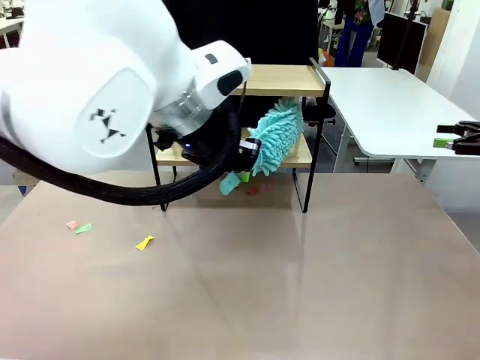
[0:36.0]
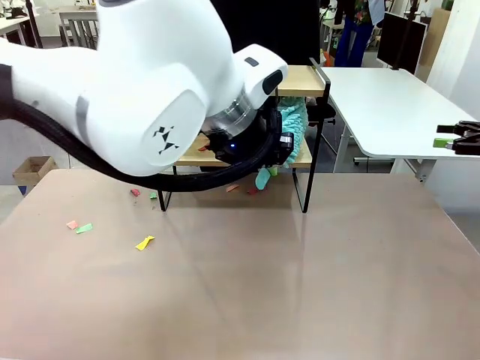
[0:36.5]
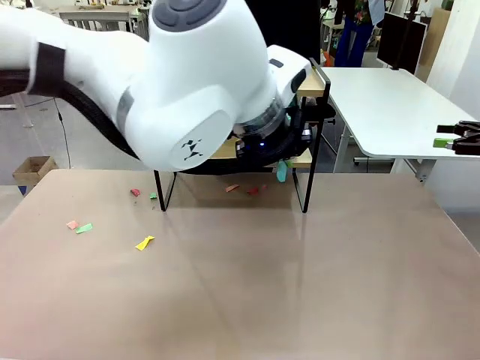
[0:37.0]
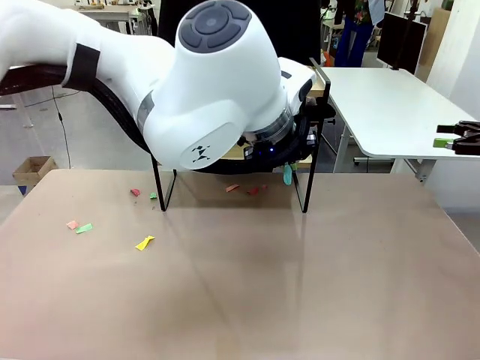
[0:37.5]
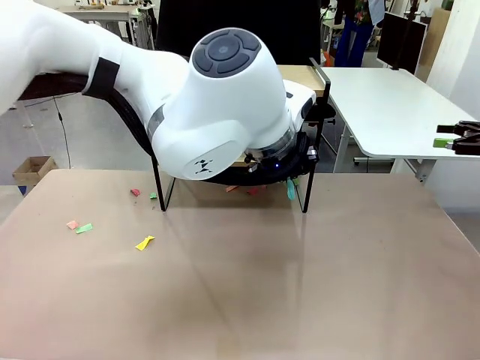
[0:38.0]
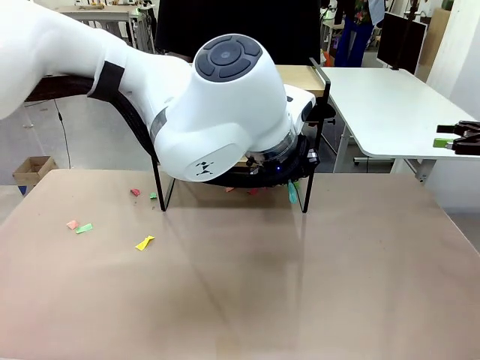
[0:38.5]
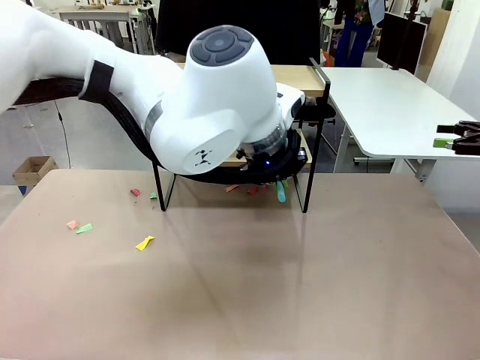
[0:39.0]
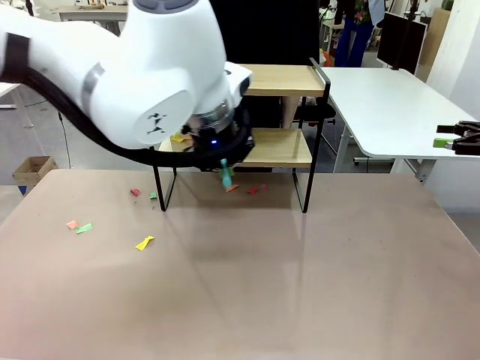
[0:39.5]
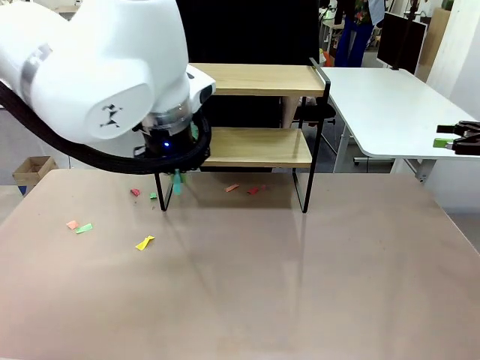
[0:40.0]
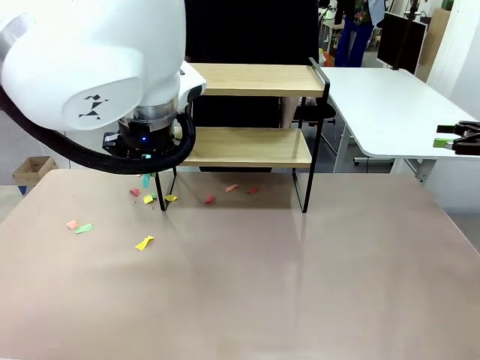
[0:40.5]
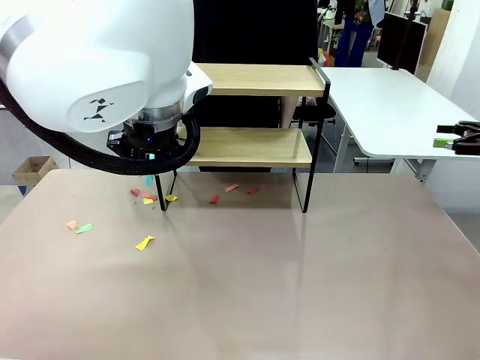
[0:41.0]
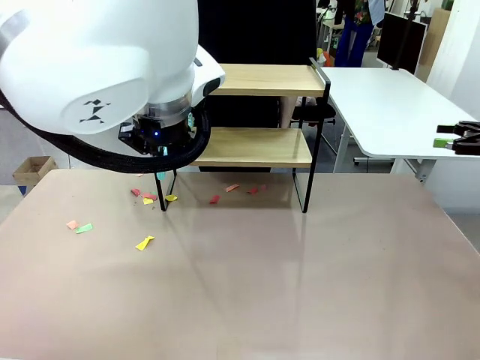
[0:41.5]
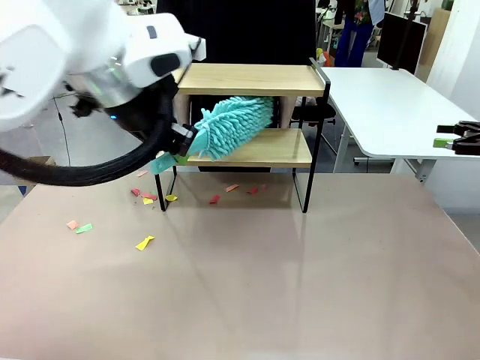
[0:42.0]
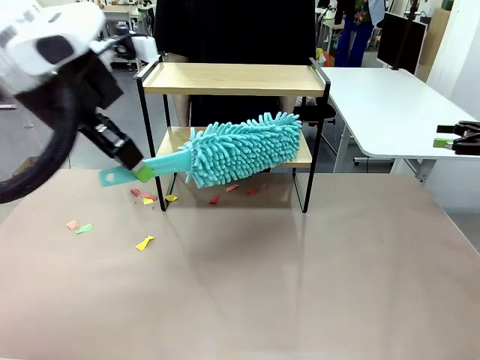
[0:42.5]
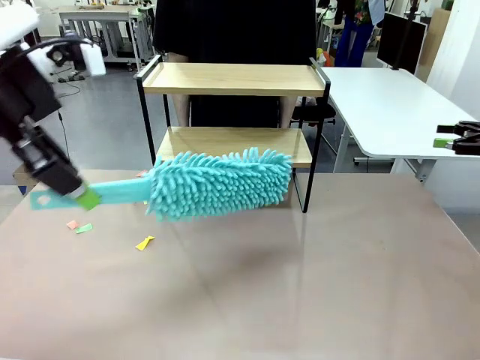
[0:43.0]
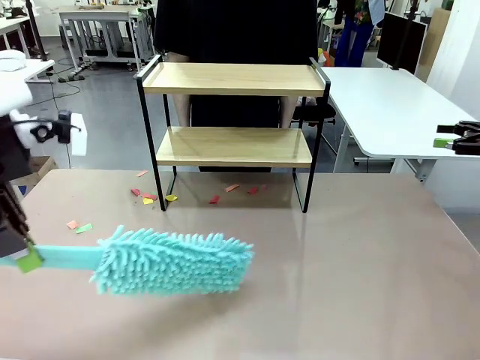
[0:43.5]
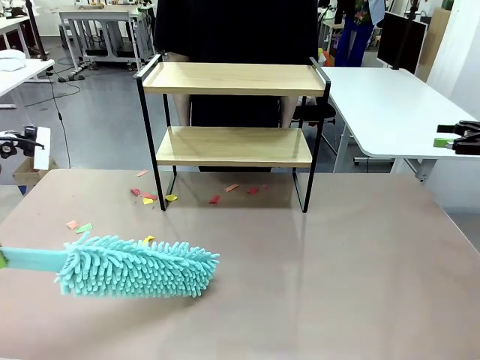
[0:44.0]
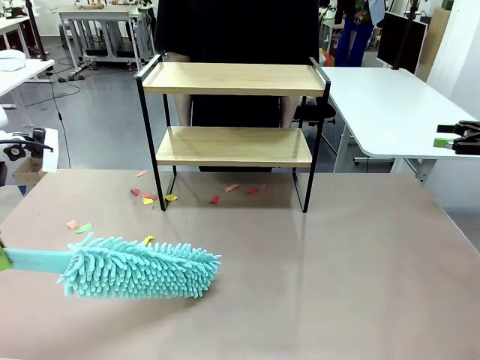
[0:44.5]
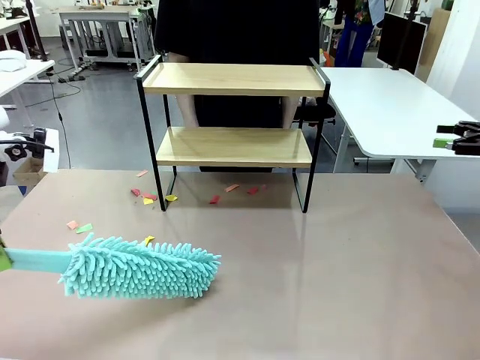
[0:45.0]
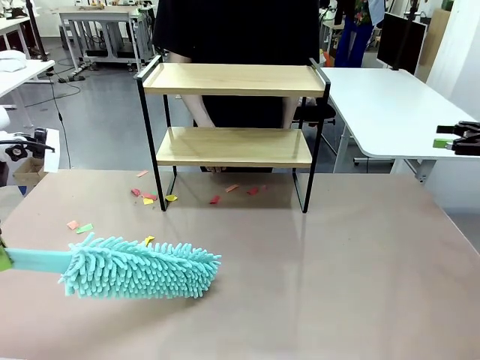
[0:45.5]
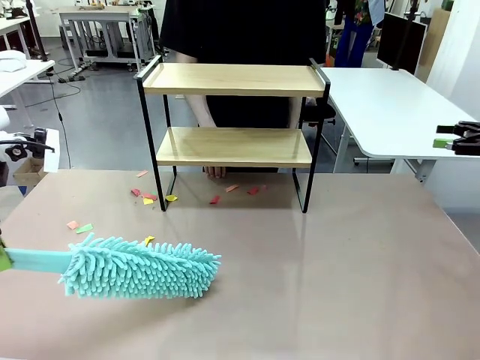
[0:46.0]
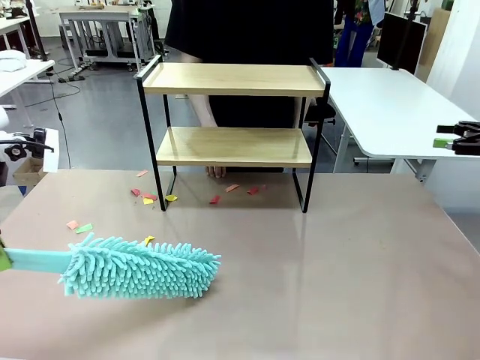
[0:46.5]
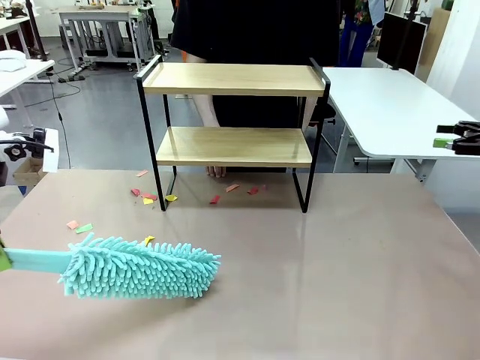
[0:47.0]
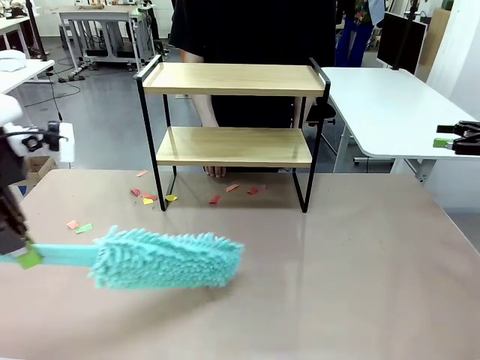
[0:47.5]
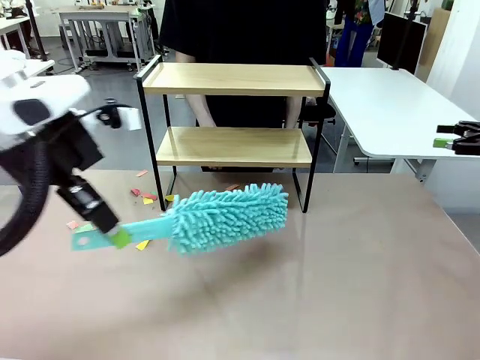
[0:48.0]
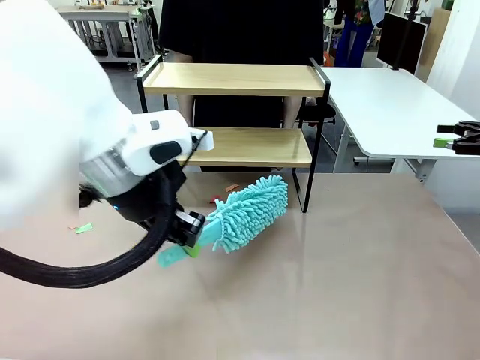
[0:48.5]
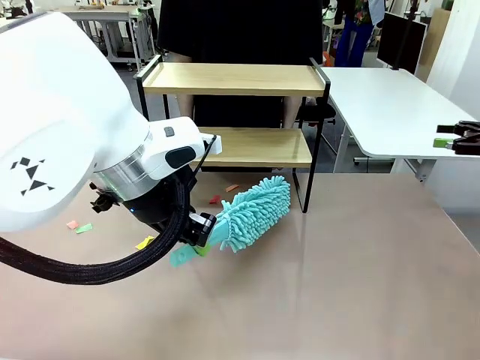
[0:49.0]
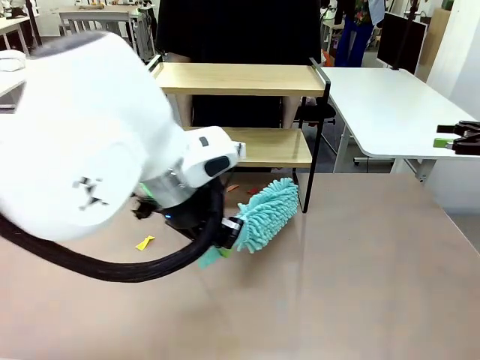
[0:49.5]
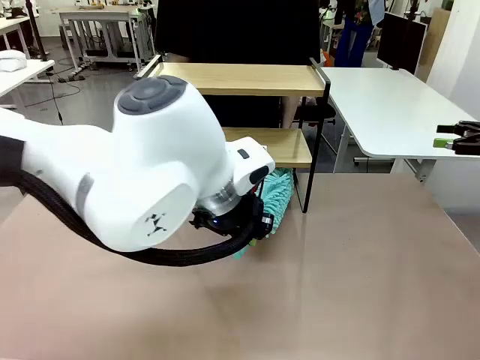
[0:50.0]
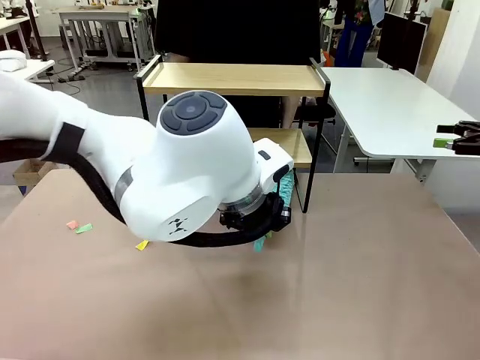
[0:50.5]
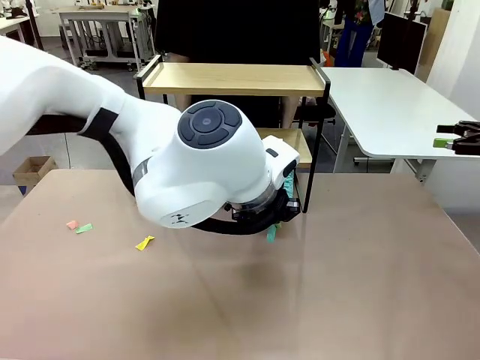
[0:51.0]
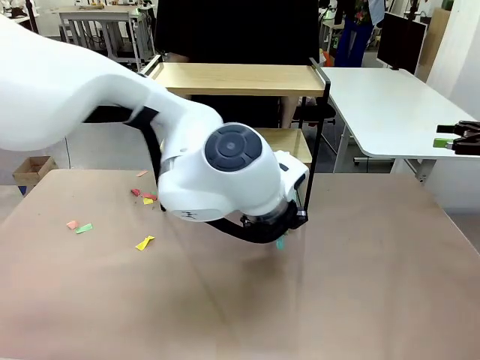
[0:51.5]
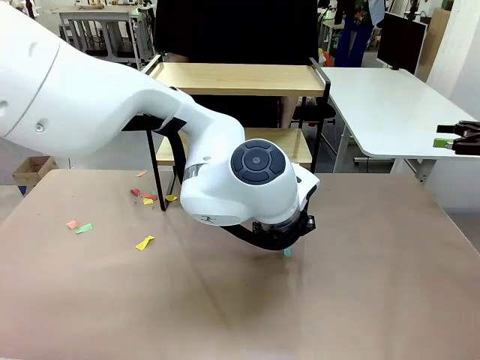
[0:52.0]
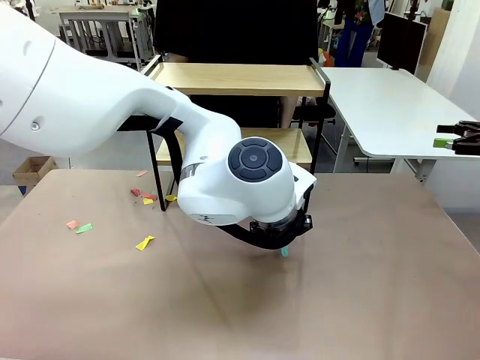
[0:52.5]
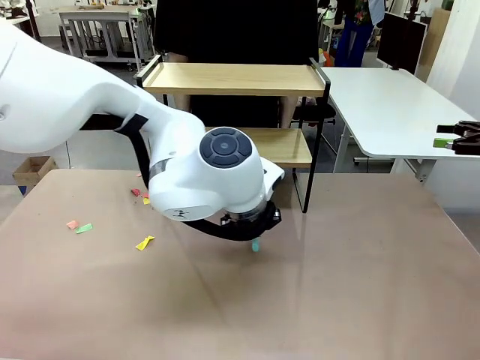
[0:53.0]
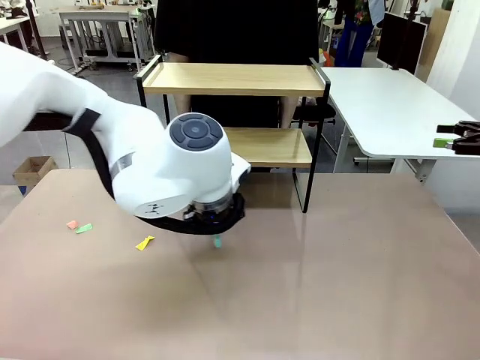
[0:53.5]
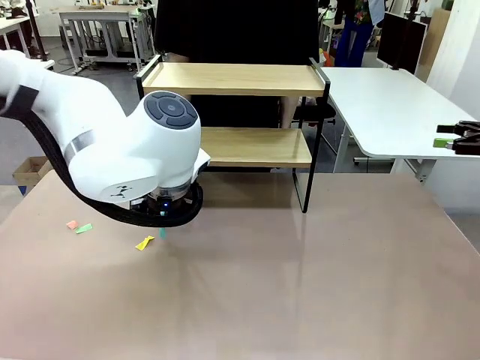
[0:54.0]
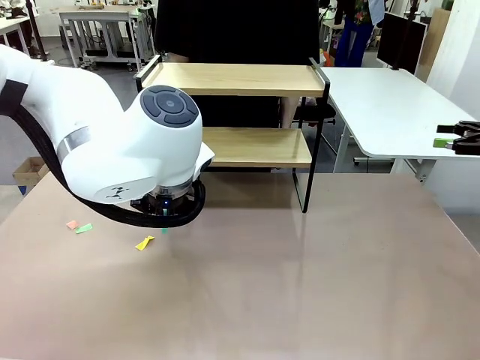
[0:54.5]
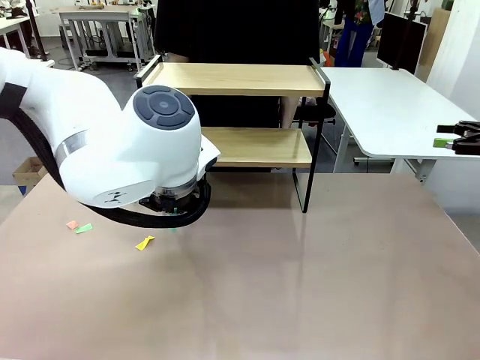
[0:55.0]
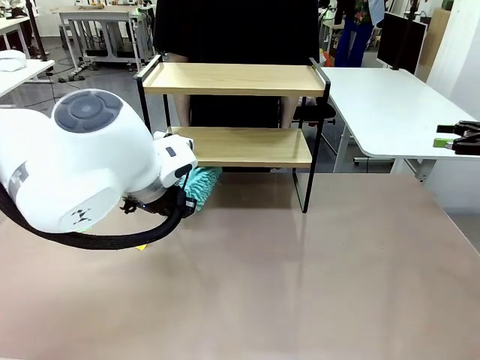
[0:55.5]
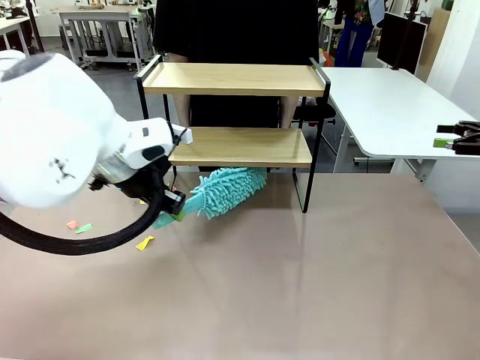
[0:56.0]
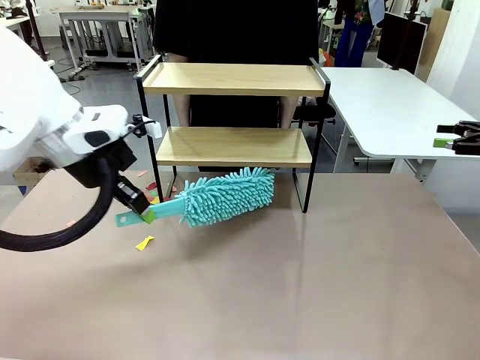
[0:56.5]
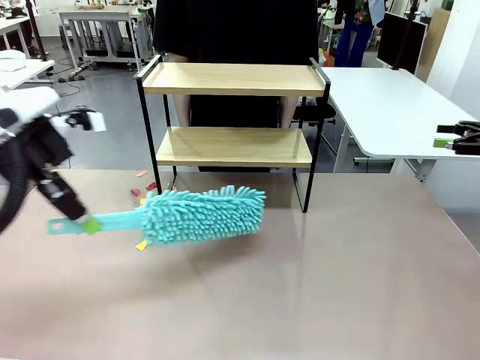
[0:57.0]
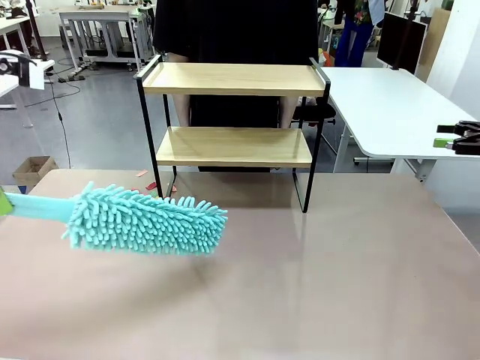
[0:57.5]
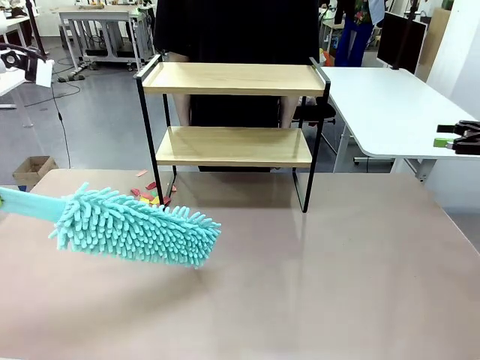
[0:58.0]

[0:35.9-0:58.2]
Task: Clean the shelf.
Robot: Clean the specific section of the Shelf indicated by the human with the Duster.
Person: Point a remaining section of the Shelf.
